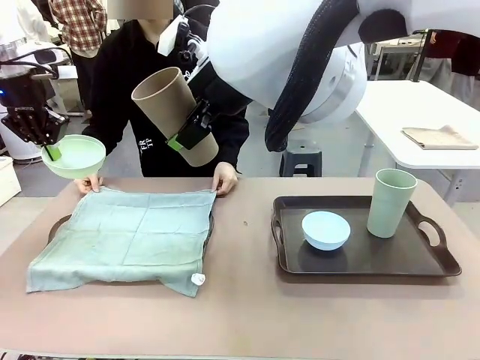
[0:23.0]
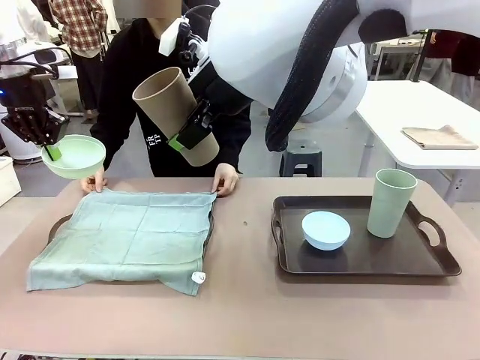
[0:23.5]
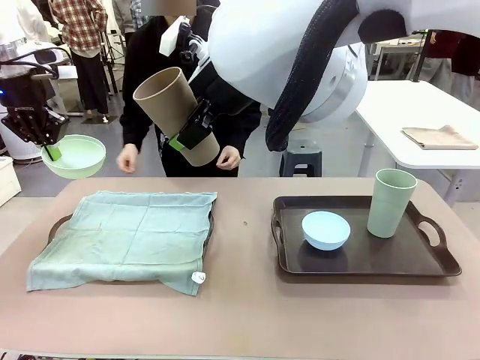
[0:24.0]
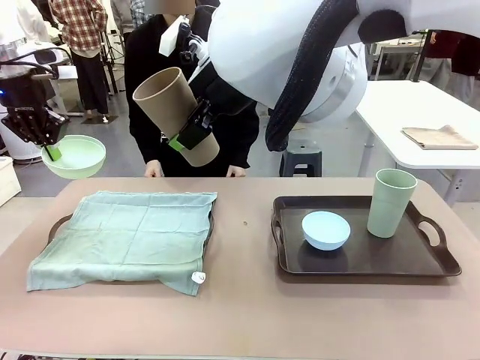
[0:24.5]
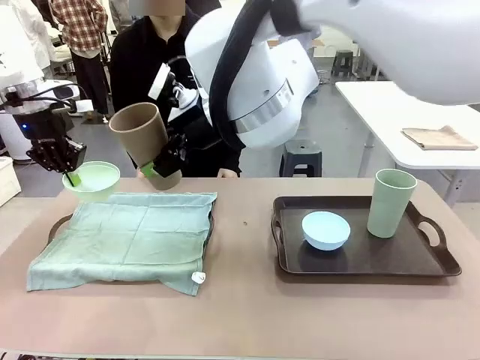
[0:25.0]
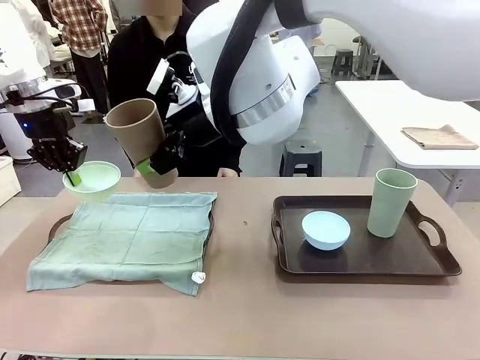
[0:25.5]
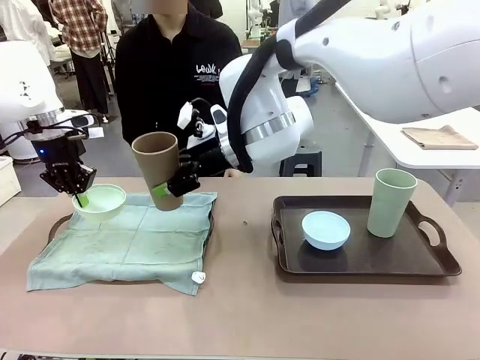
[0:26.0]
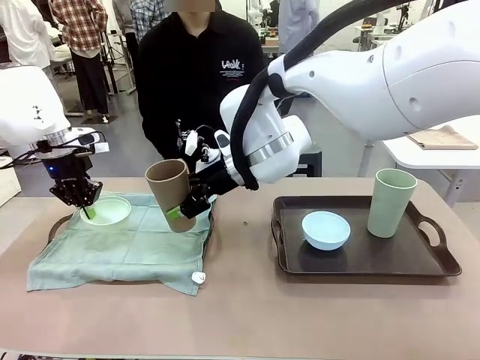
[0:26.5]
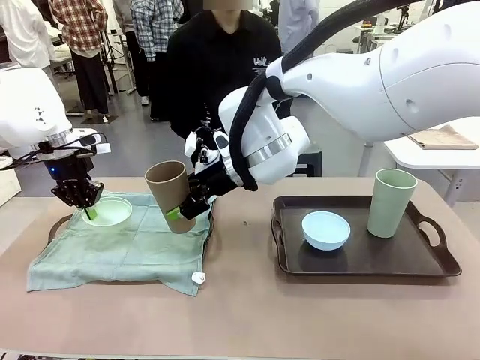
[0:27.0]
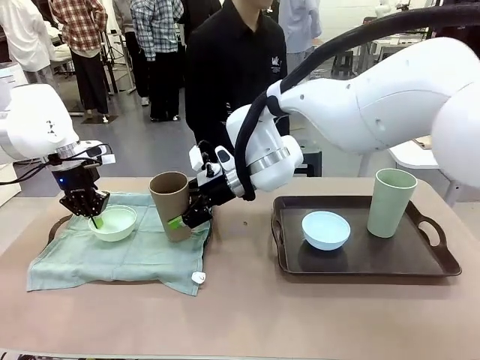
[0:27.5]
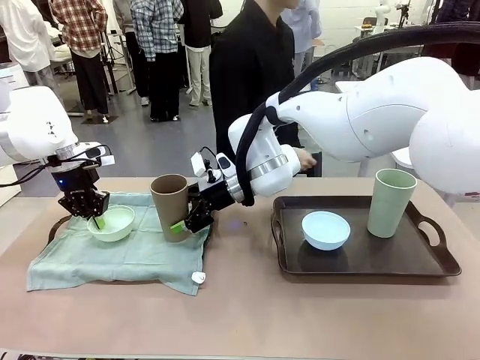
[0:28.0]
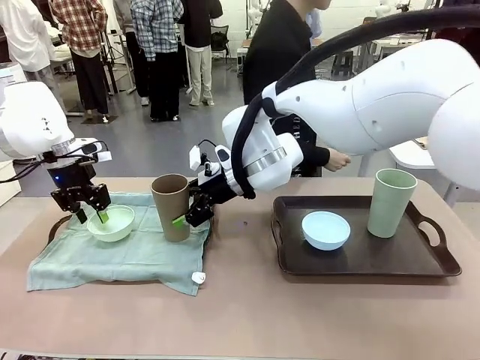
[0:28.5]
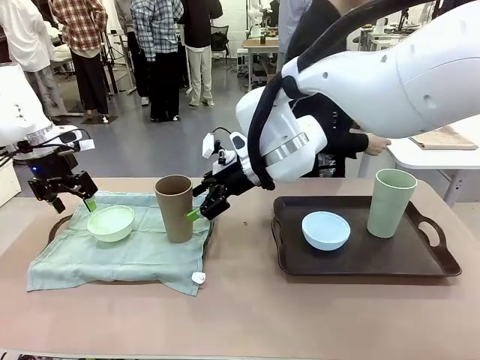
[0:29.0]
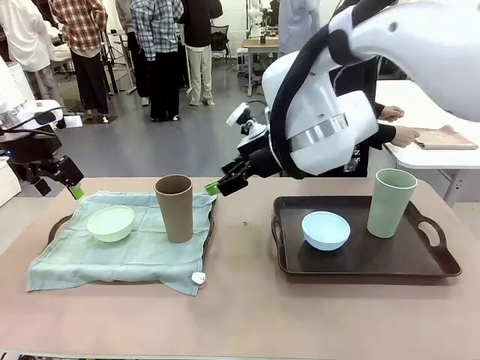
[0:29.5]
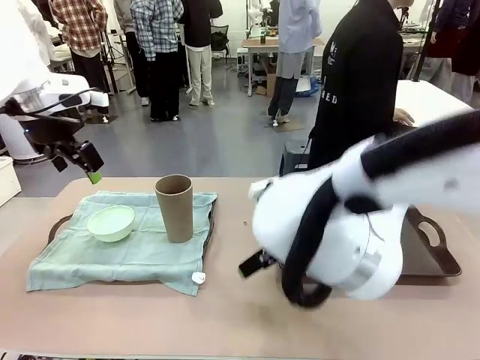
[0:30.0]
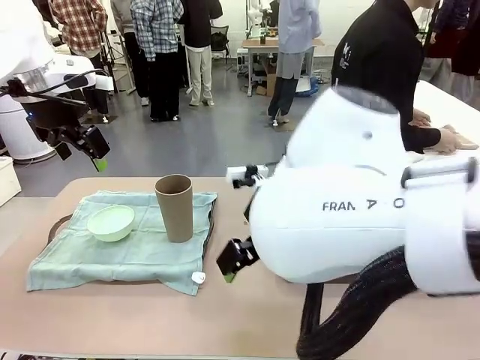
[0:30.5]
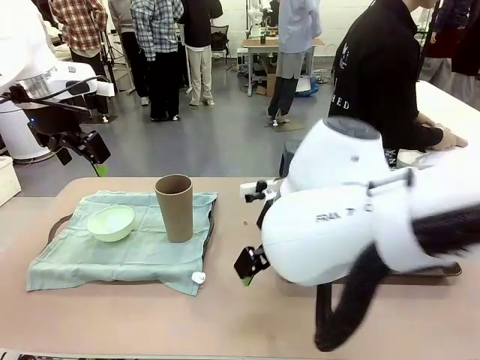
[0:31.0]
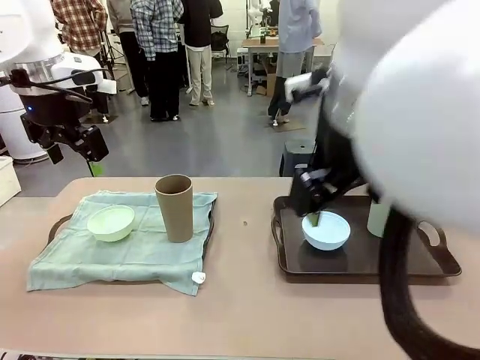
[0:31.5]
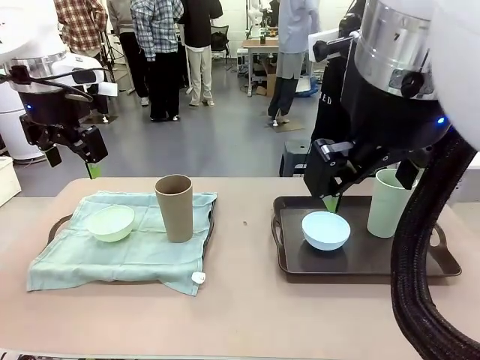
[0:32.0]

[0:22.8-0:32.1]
Robot: Place the Picnic Bowl and Reusable plastic cup back onto the Handle tray in front of the human's position.
Person: The human returns to the human table to pick up another napkin and walks to the robot table to stand in front of the tray without a napkin.

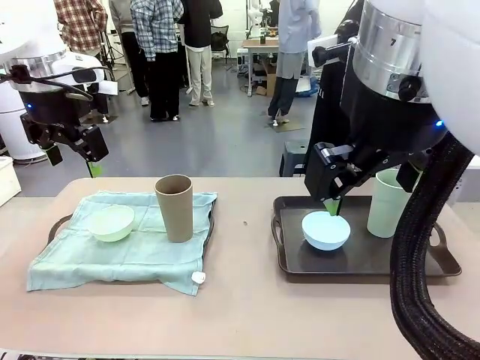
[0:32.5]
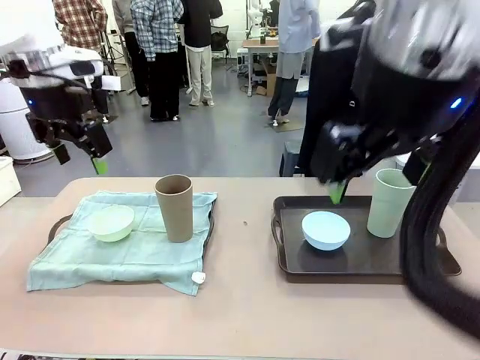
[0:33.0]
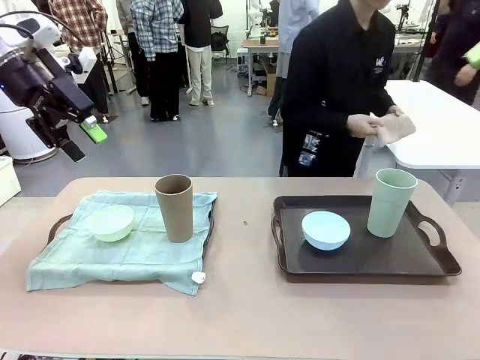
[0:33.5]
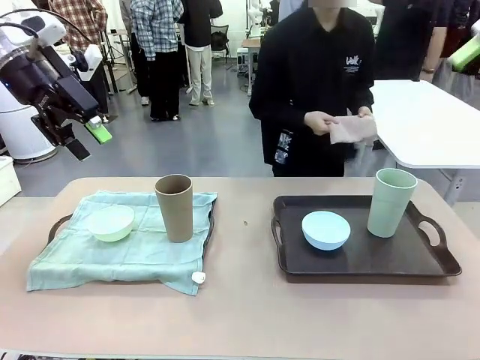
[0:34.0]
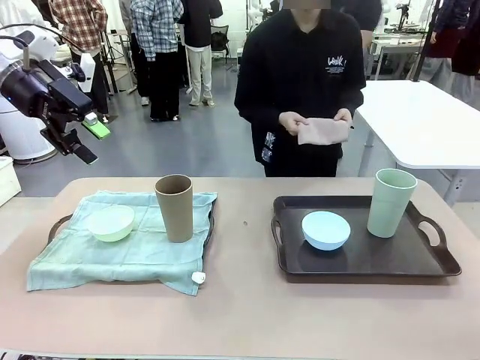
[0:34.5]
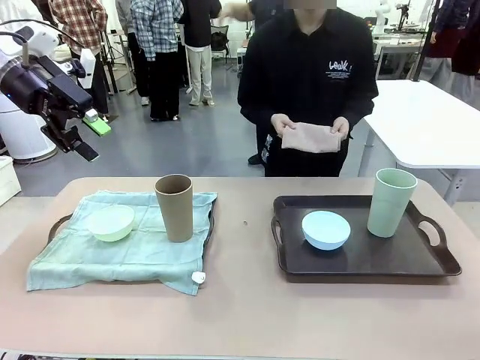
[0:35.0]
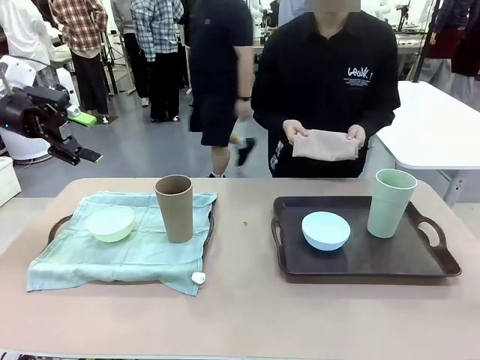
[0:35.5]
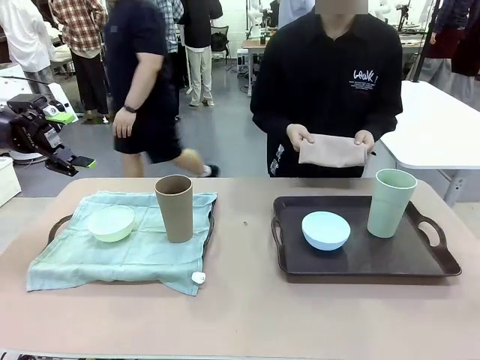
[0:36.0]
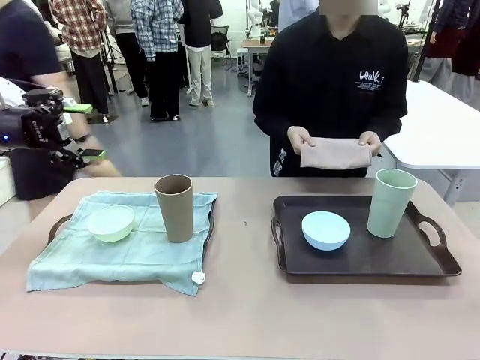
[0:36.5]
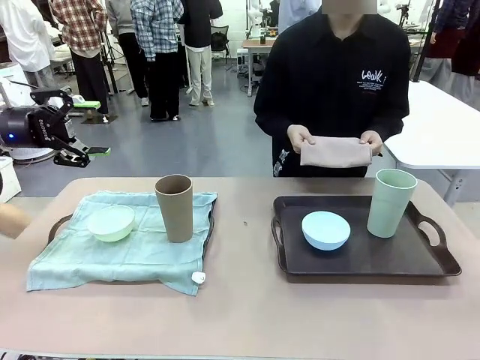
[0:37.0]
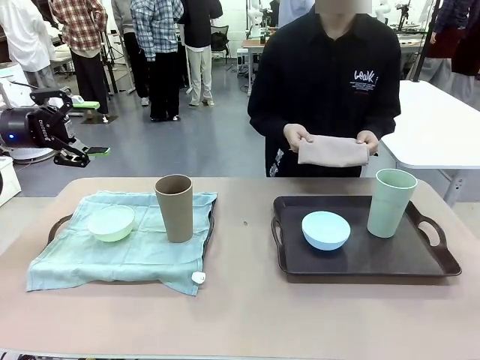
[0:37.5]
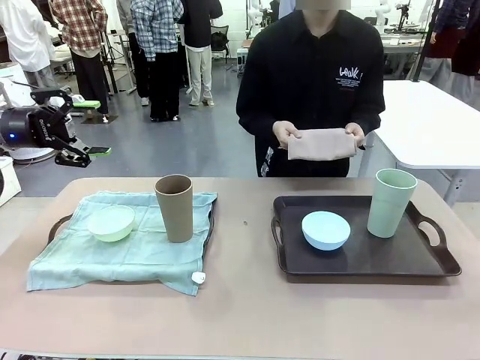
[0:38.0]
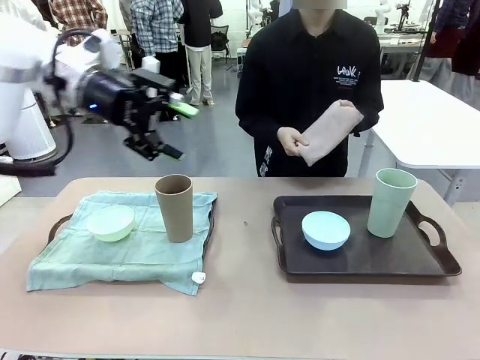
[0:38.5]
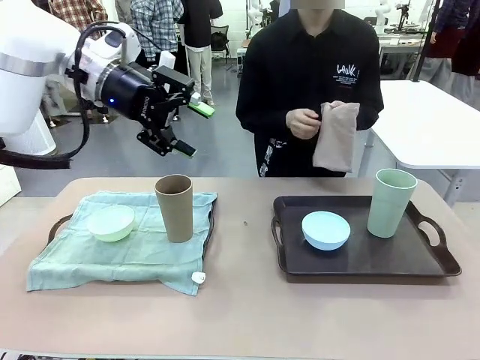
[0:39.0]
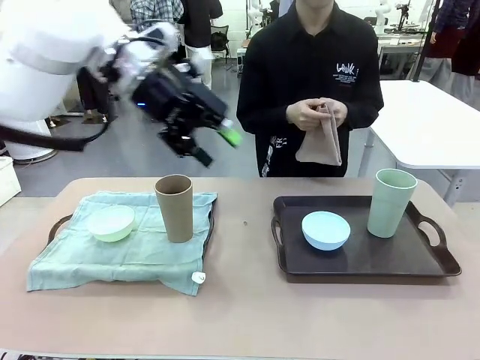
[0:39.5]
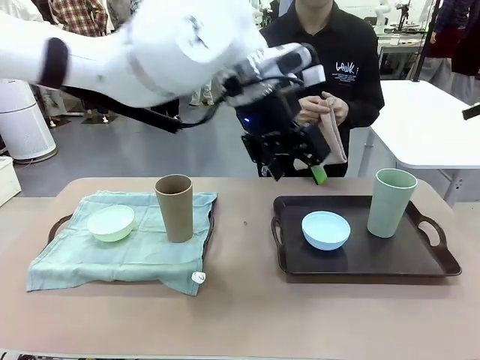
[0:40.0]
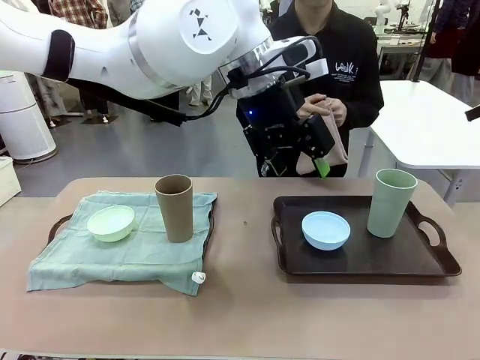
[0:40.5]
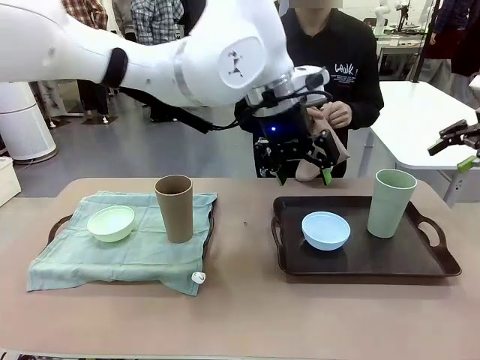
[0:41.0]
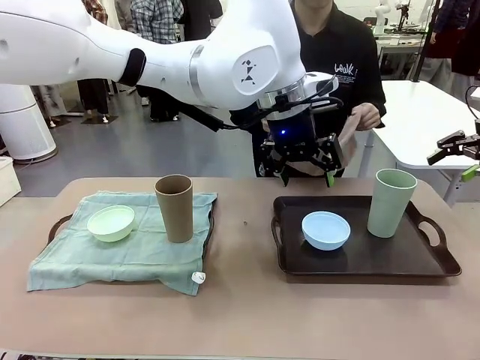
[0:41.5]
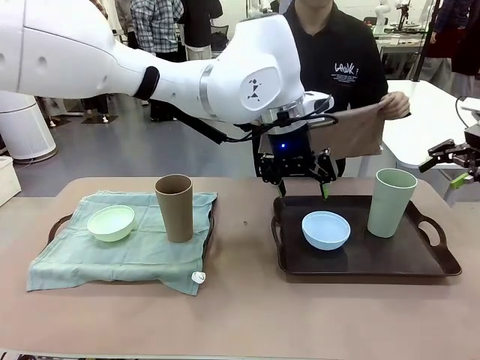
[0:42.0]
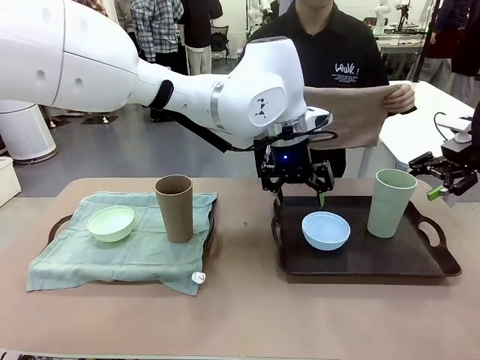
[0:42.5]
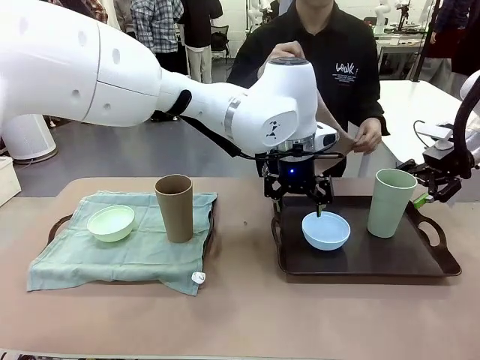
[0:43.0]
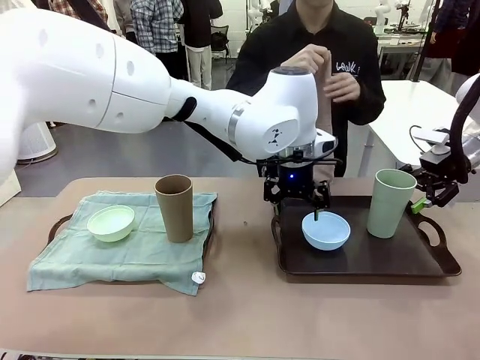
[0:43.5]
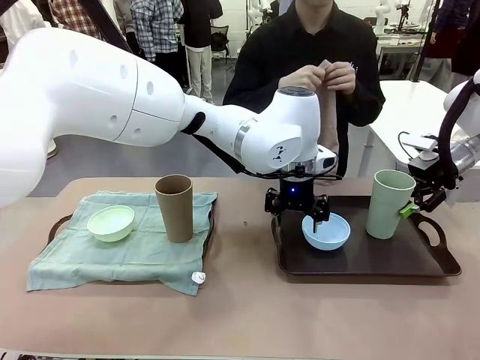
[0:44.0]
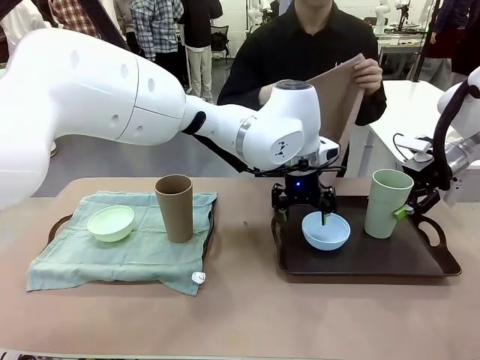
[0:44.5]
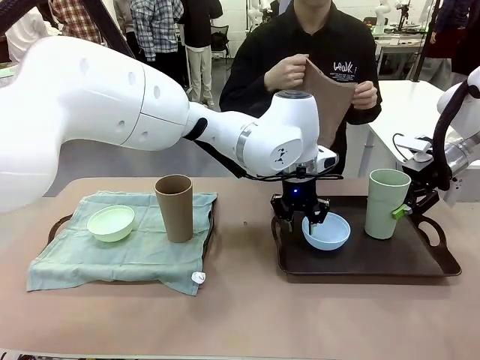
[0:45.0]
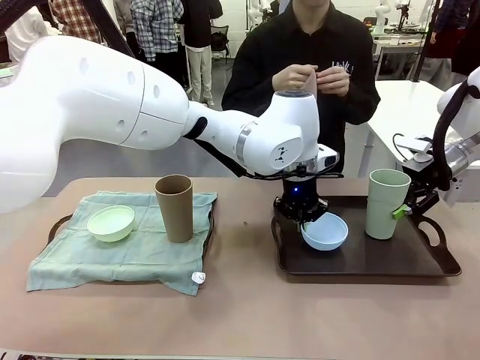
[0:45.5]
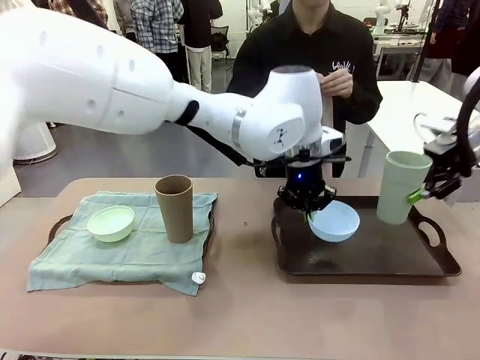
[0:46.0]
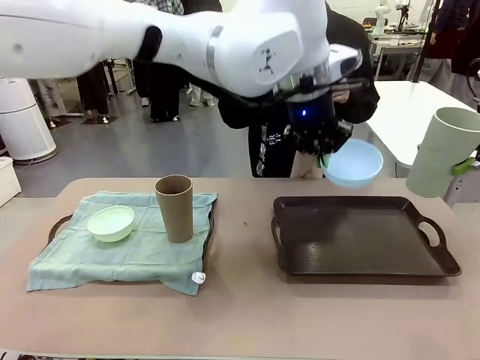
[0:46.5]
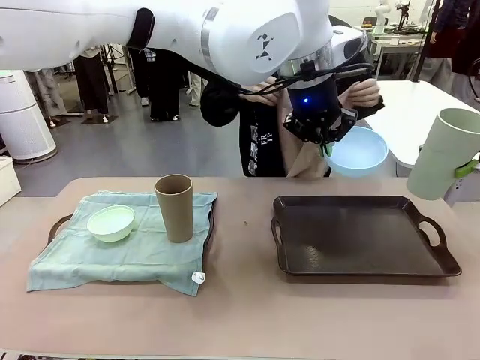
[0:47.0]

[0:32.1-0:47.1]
Robot: Pick up the Picnic Bowl and Reusable plastic cup from the Handle tray in front of the human's position and hold them in the air.
Person: When the robot lifts the bowl and the cup, the human unfolds the napkin and lays the napkin flat on the tray.
